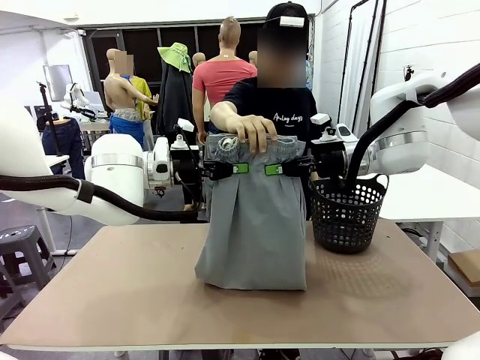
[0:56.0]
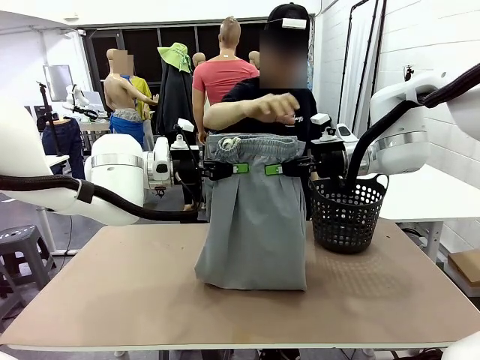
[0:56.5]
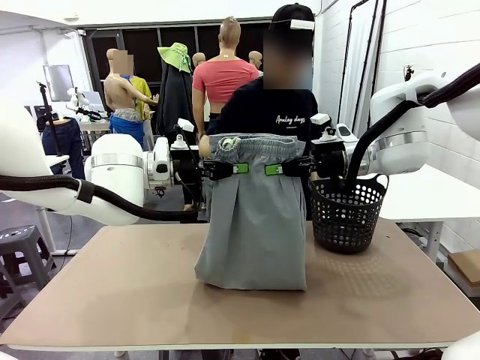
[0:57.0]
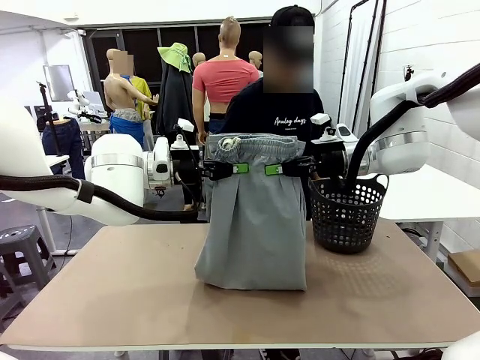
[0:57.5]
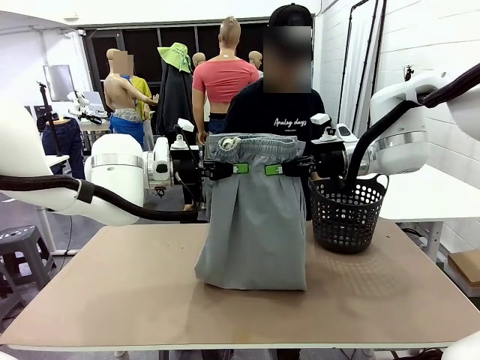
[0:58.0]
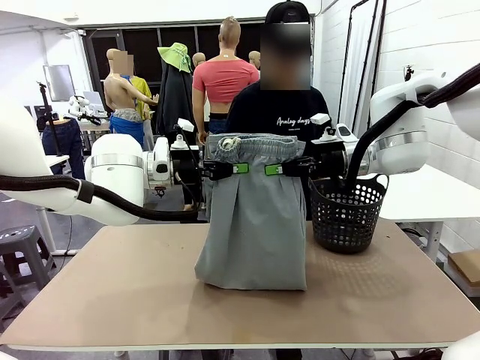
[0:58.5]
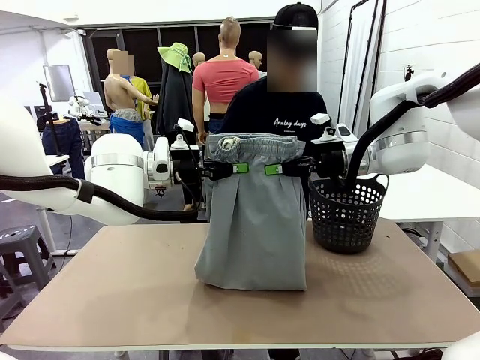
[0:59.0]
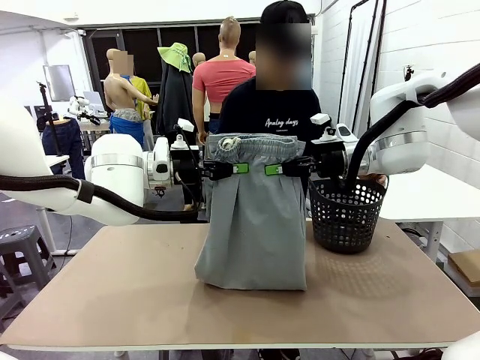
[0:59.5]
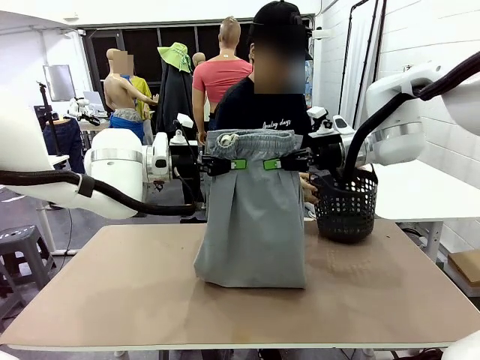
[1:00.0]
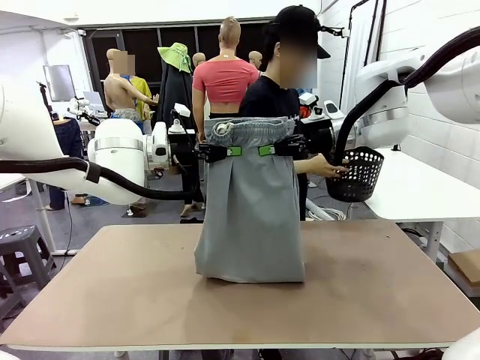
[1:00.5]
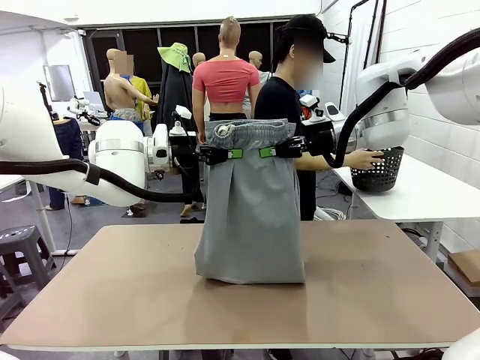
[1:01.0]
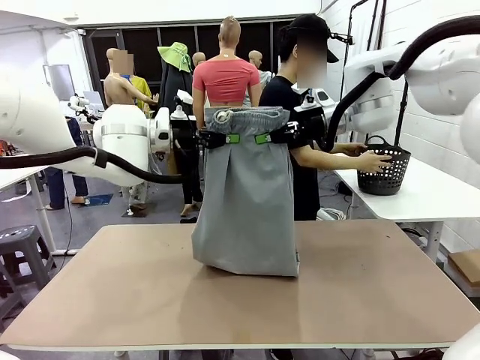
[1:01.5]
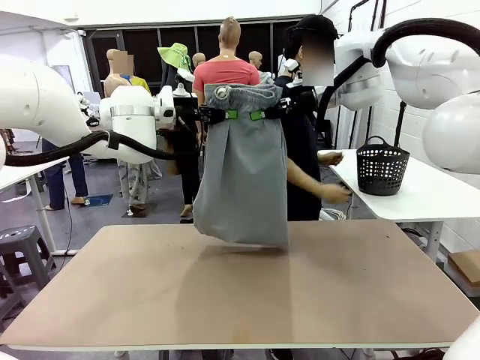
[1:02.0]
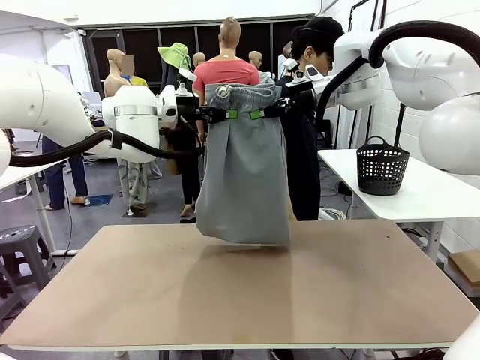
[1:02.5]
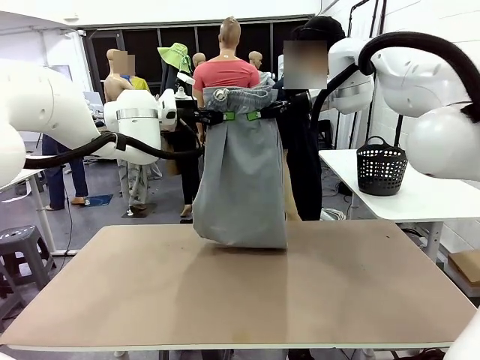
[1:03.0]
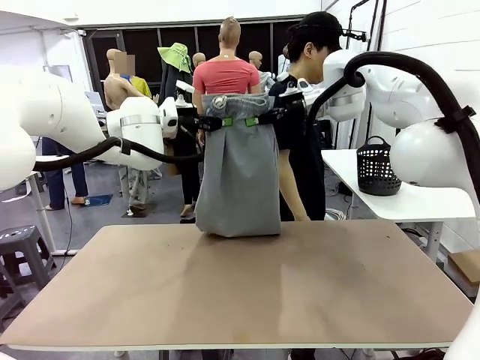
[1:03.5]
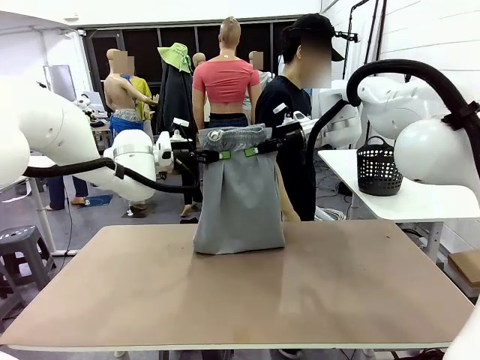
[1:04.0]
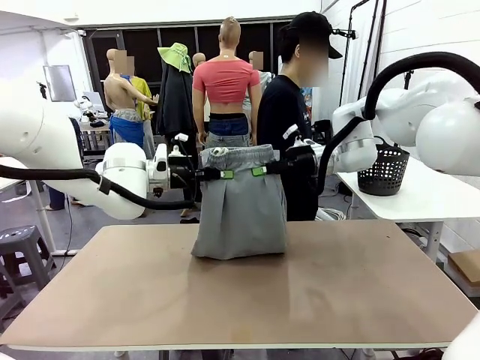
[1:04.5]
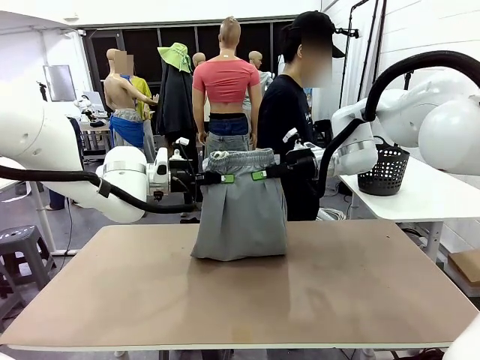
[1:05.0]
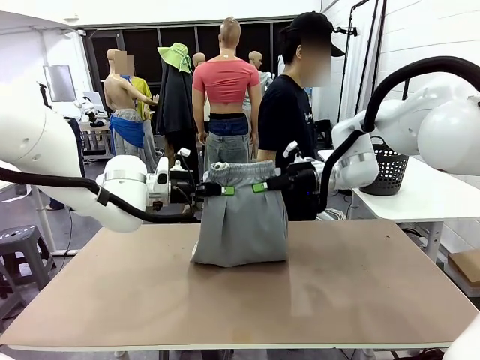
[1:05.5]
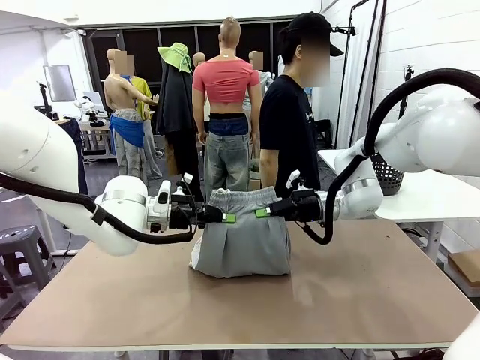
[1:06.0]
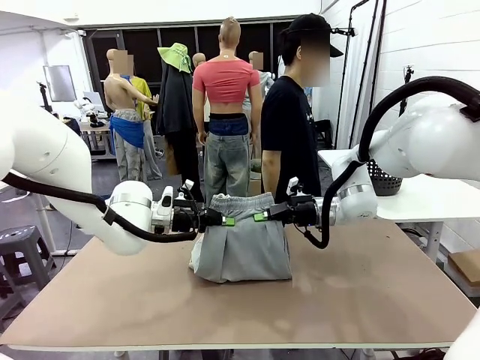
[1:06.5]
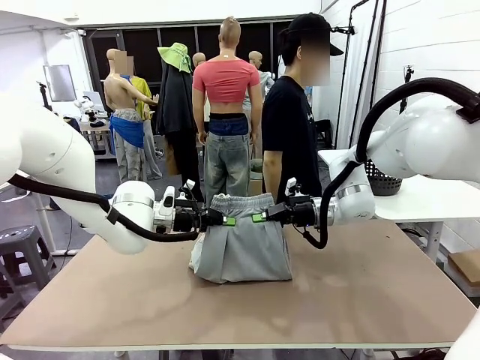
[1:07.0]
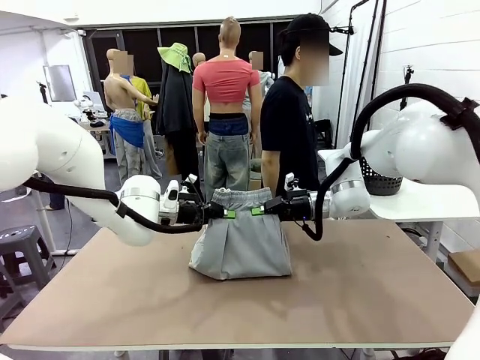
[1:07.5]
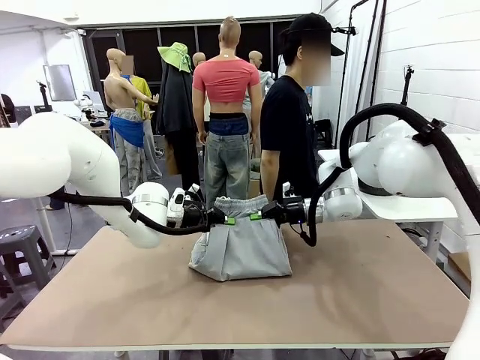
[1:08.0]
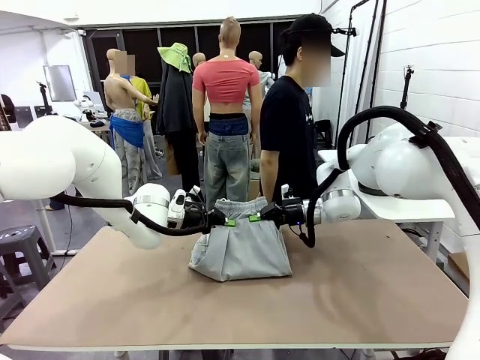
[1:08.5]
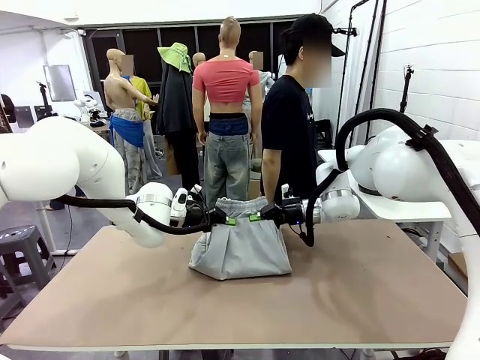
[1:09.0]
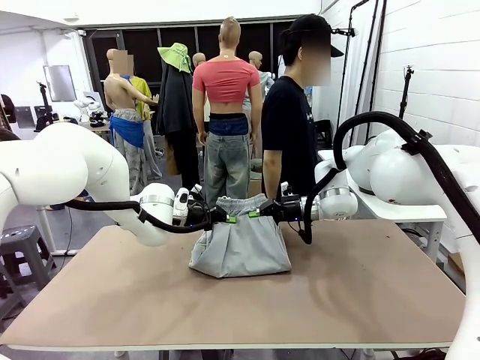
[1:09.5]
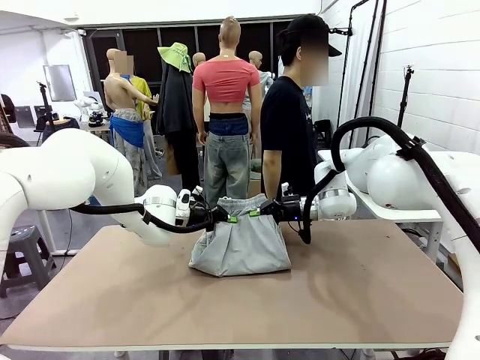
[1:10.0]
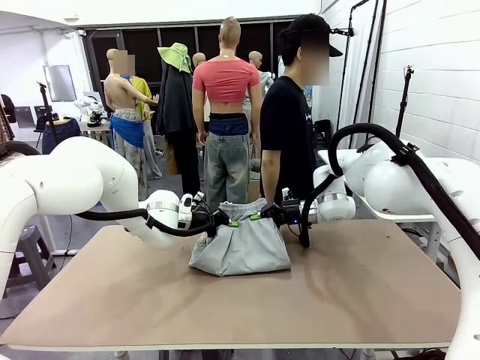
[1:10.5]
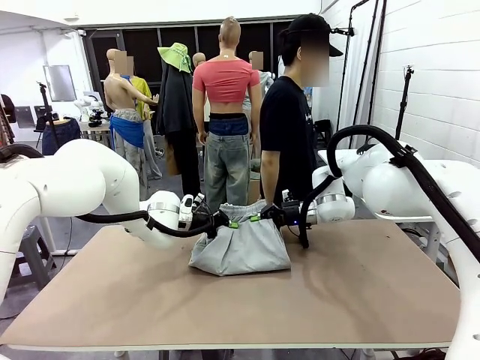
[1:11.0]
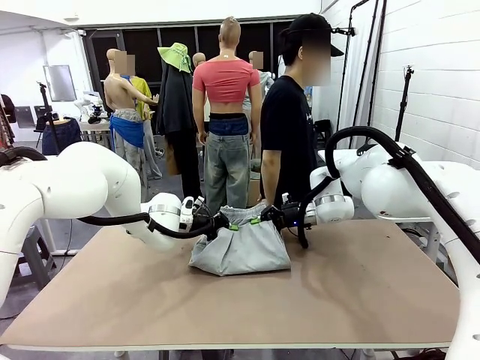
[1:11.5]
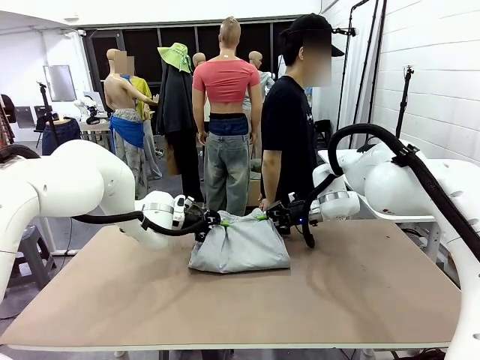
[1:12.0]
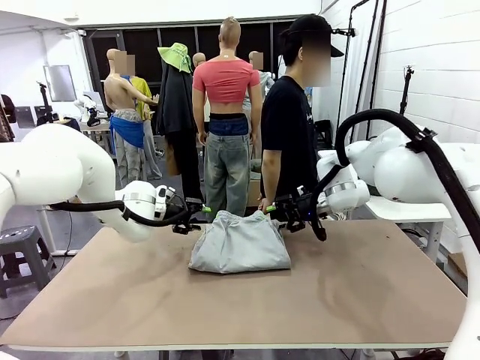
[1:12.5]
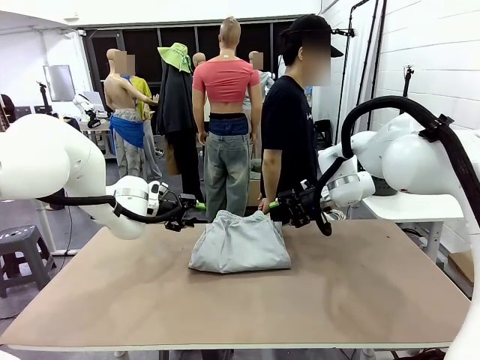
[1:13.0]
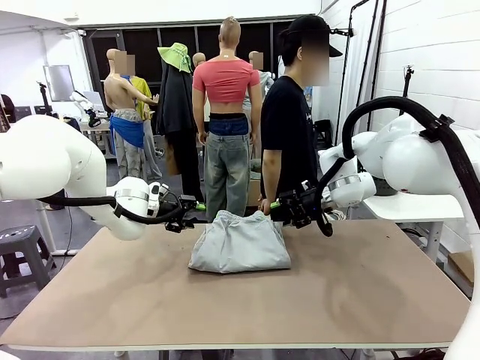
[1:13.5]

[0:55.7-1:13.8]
Task: Fold the training pants.
Robot: Fold the Training pants in half.
Person: Move the laundry basket to the right of the human table.

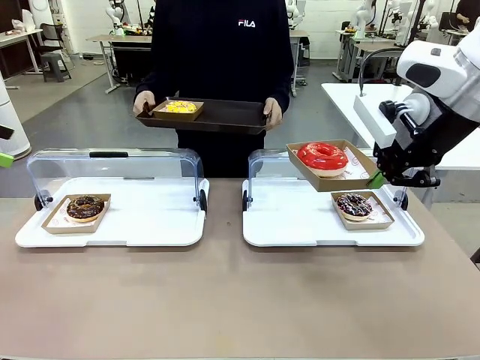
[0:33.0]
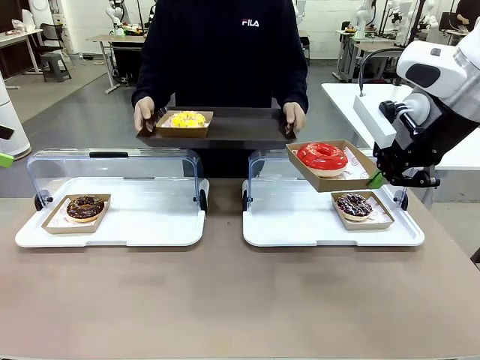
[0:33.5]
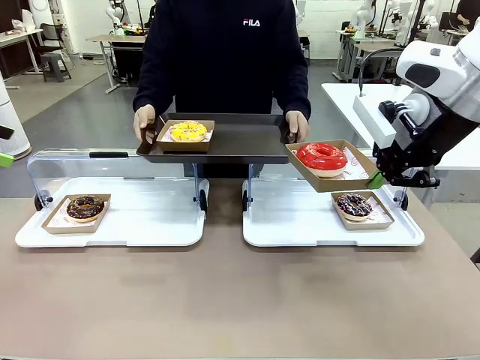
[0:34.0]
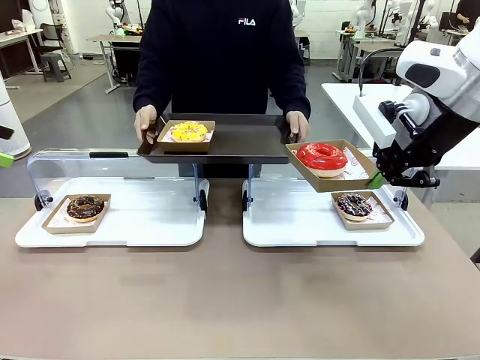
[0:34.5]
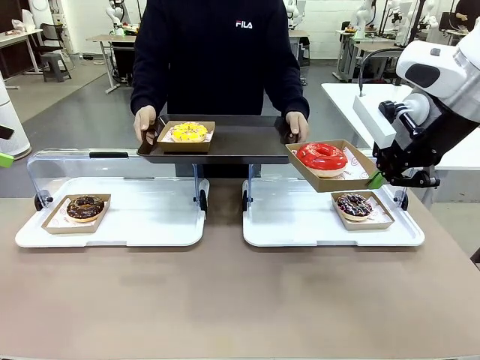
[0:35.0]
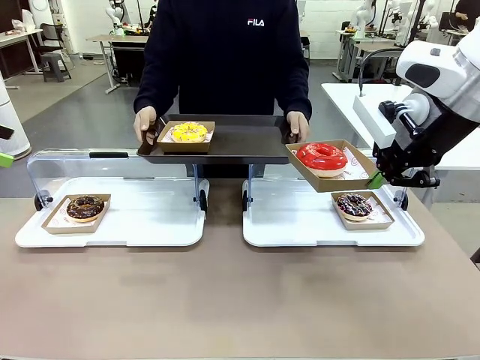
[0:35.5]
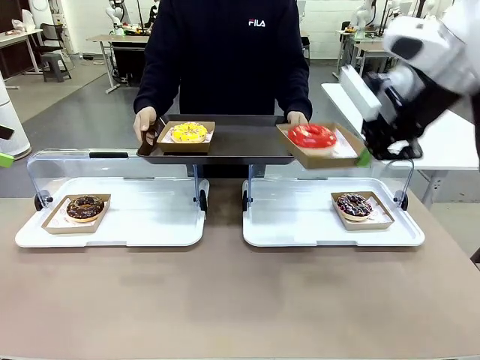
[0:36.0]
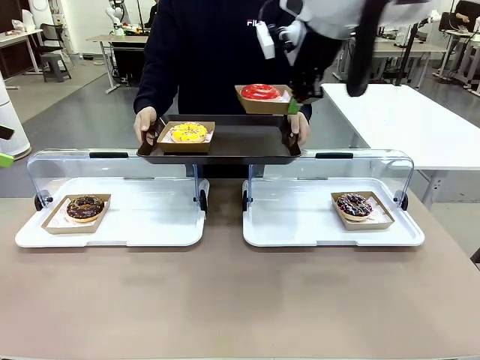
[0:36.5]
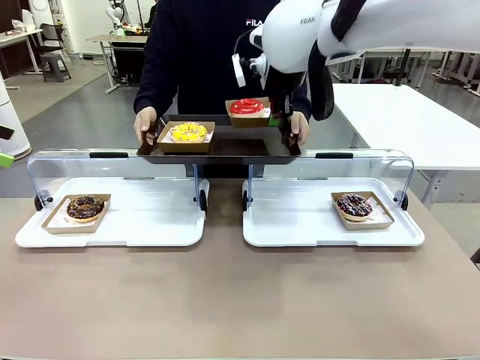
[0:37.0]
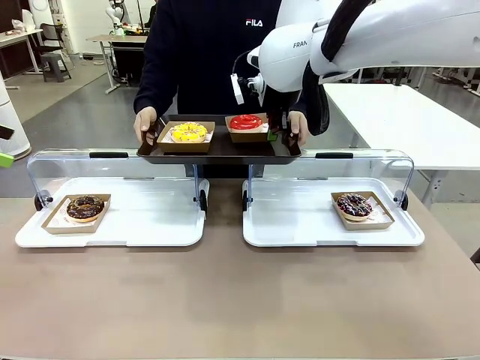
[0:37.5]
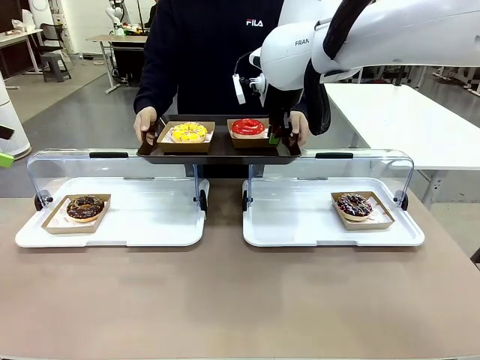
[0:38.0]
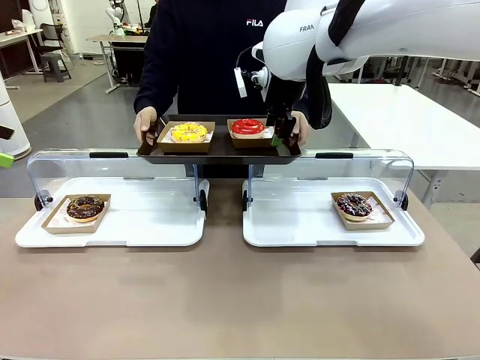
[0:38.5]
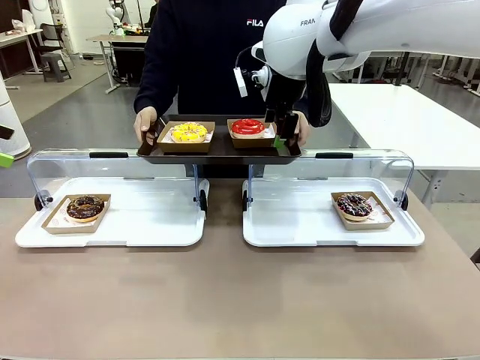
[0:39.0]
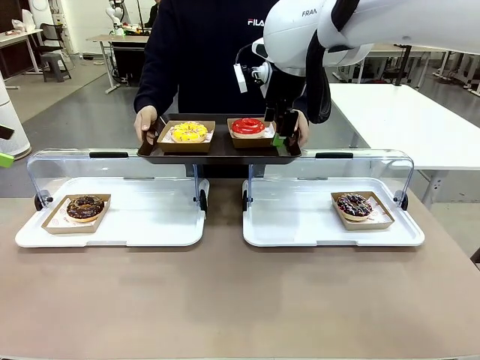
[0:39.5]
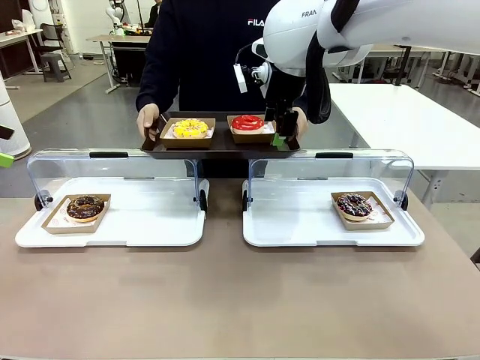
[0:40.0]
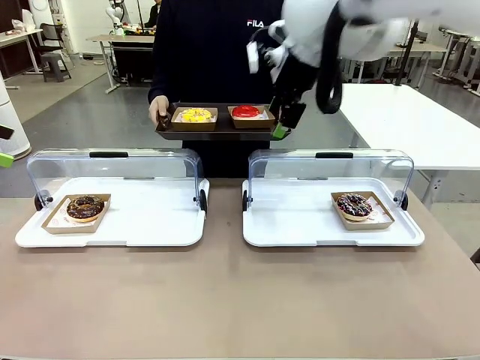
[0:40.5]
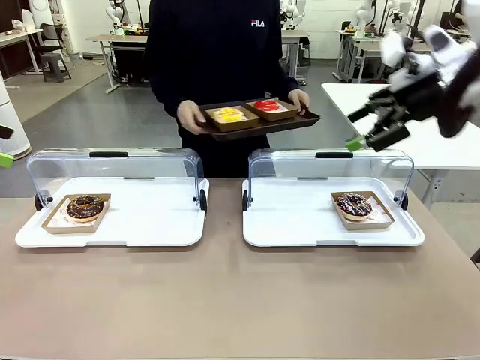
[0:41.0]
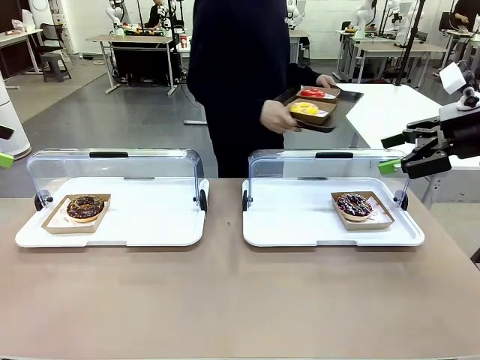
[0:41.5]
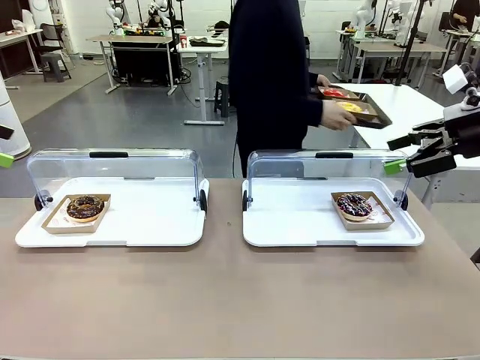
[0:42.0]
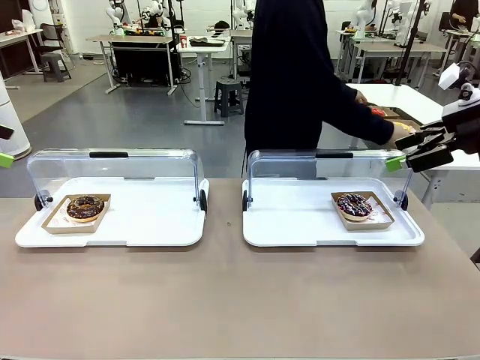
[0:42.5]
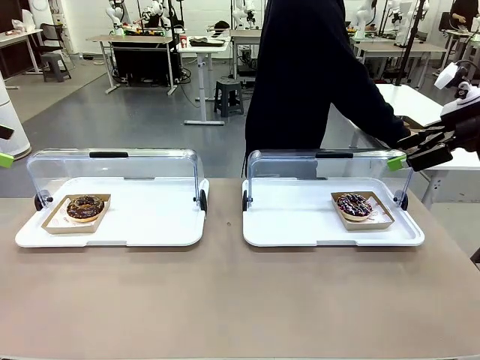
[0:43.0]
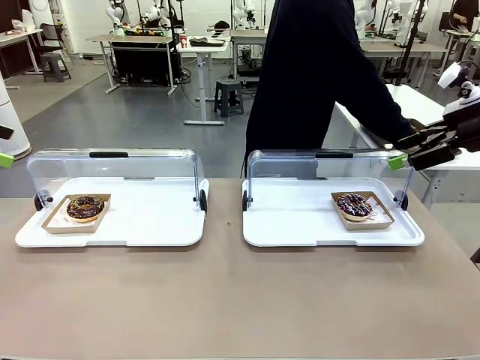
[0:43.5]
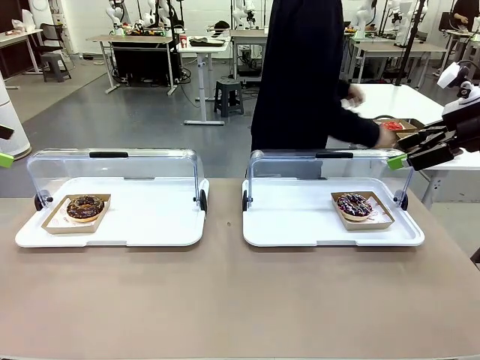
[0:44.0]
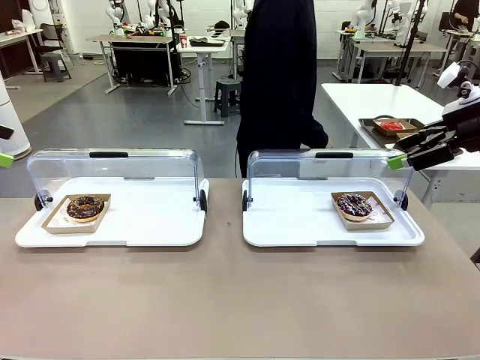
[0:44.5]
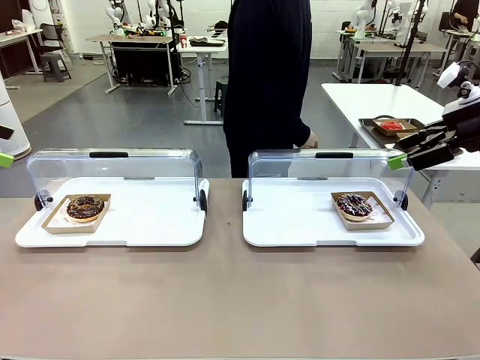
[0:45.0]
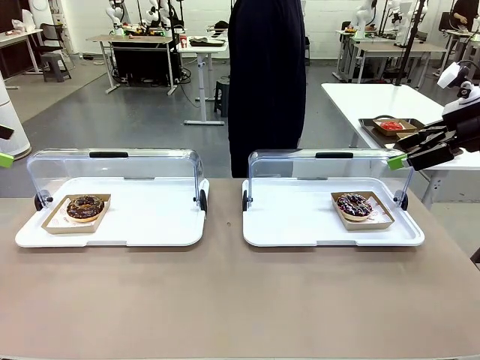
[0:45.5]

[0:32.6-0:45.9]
Task: Provide the desired donut to the person.
Robot: Place the picked Paper togo box onto the Handle tray extended by the person.
Person: Place the tray in the middle of the human table.
